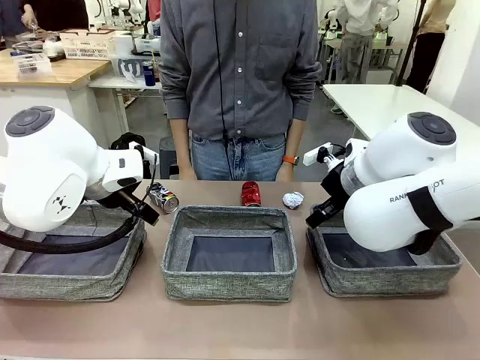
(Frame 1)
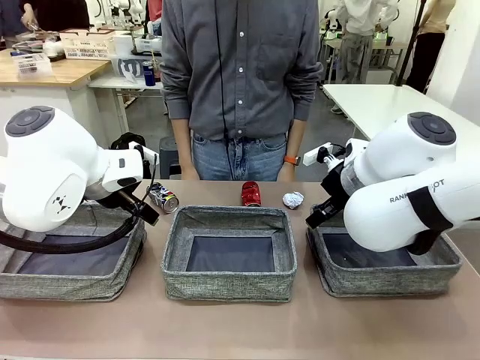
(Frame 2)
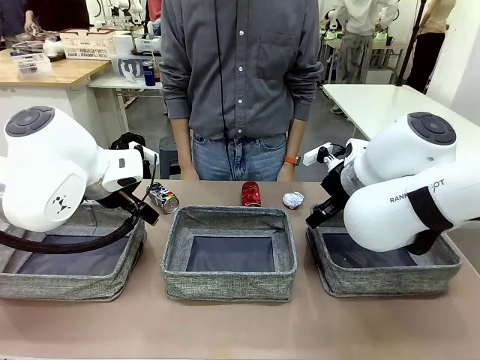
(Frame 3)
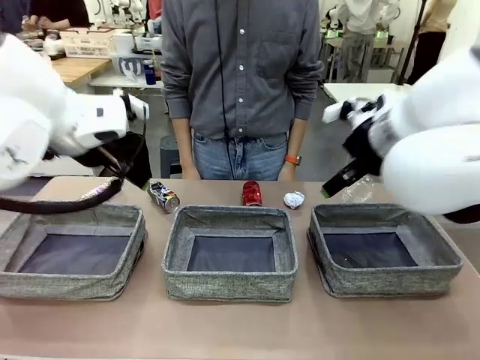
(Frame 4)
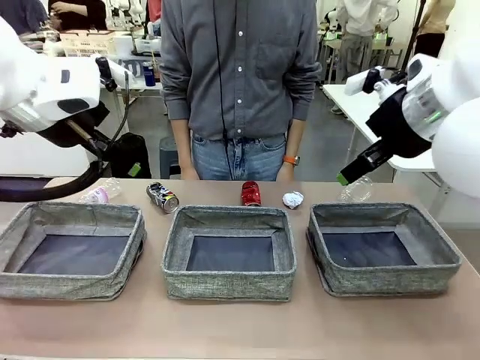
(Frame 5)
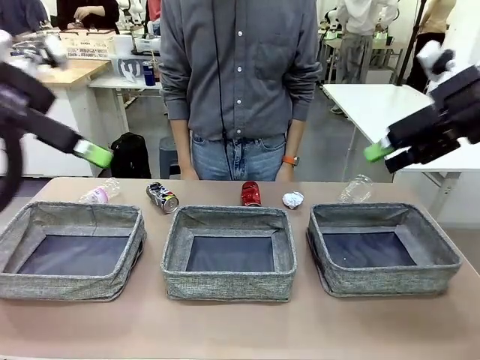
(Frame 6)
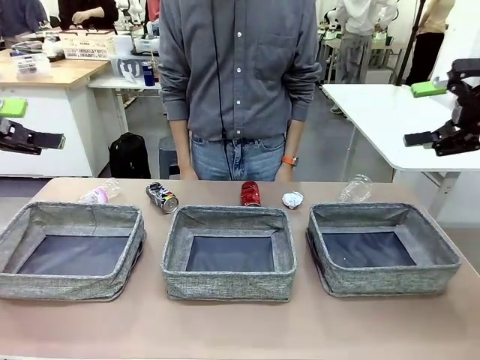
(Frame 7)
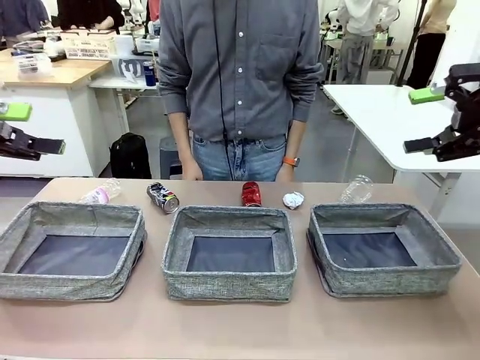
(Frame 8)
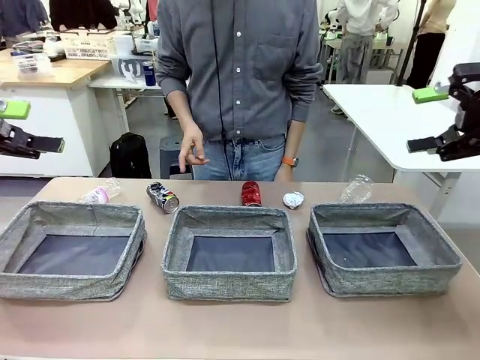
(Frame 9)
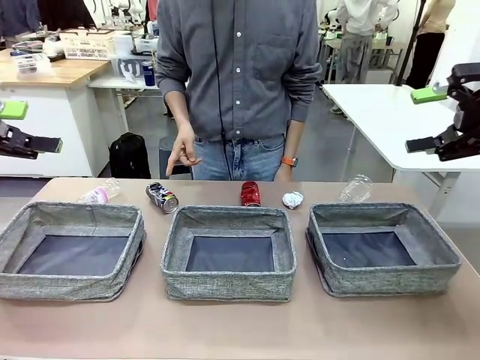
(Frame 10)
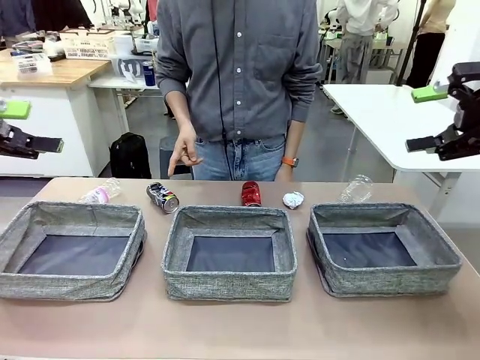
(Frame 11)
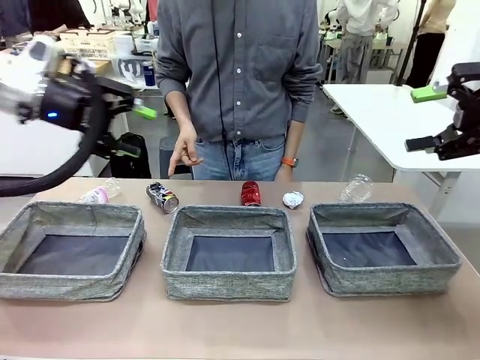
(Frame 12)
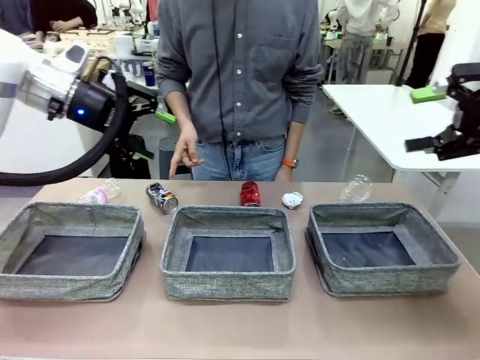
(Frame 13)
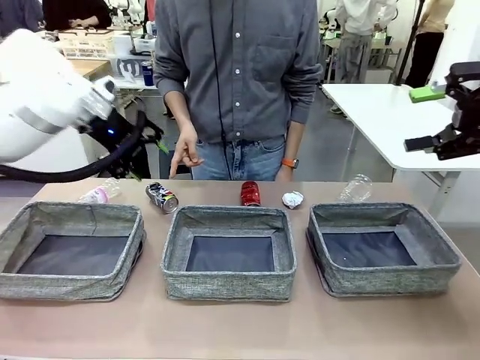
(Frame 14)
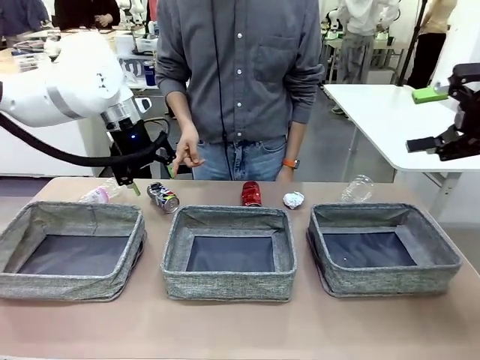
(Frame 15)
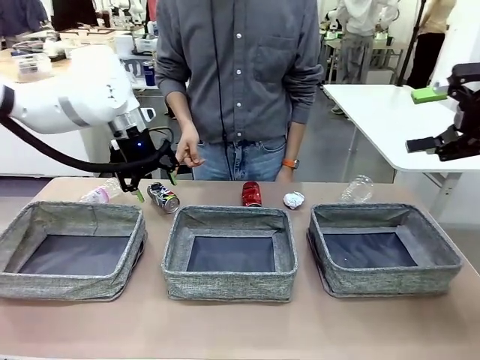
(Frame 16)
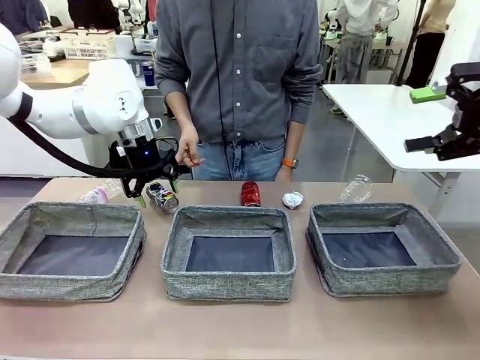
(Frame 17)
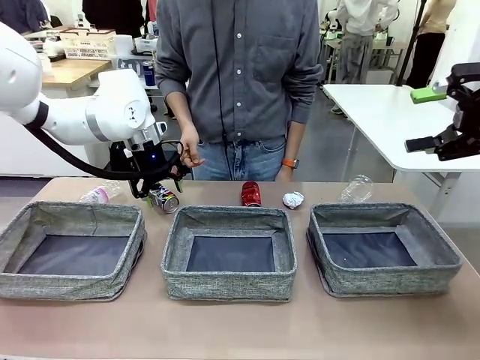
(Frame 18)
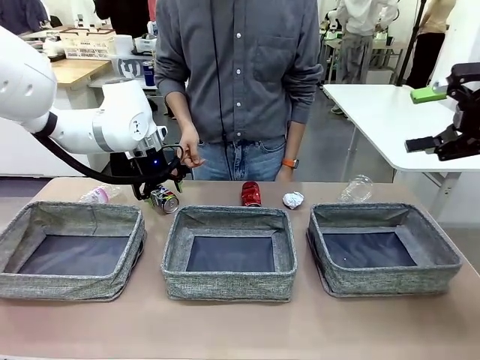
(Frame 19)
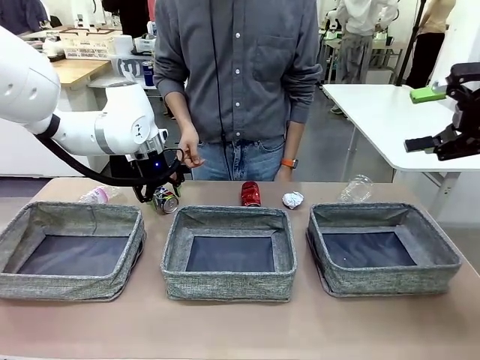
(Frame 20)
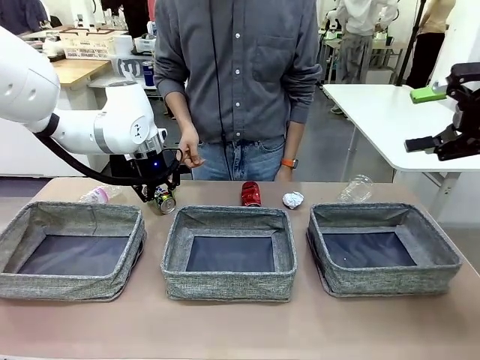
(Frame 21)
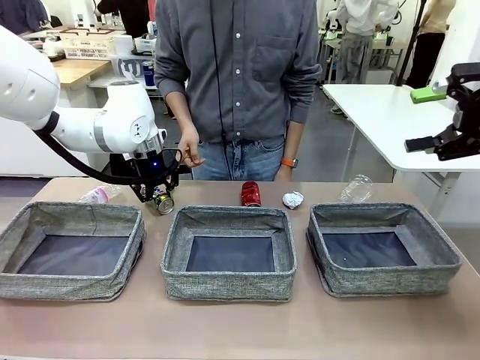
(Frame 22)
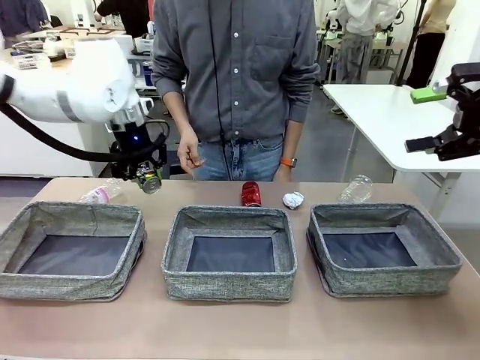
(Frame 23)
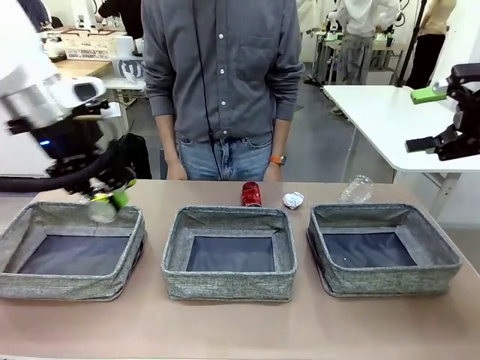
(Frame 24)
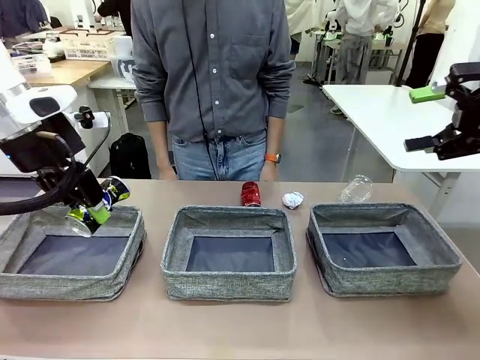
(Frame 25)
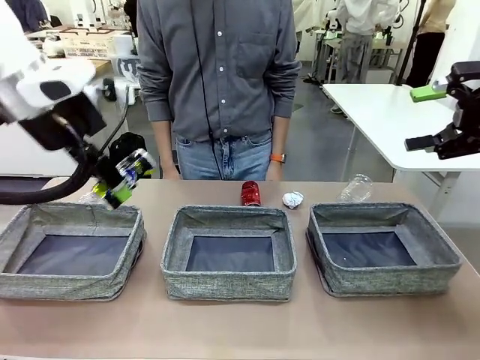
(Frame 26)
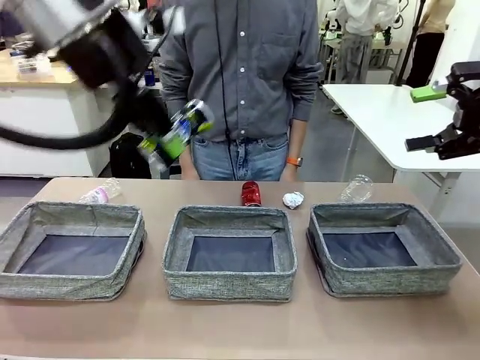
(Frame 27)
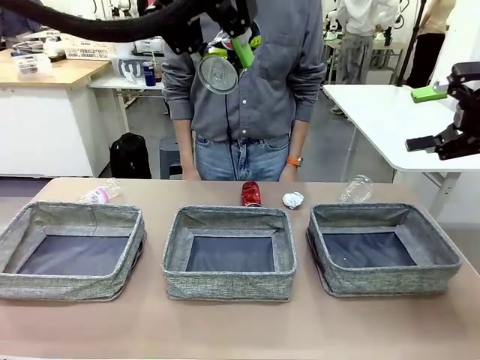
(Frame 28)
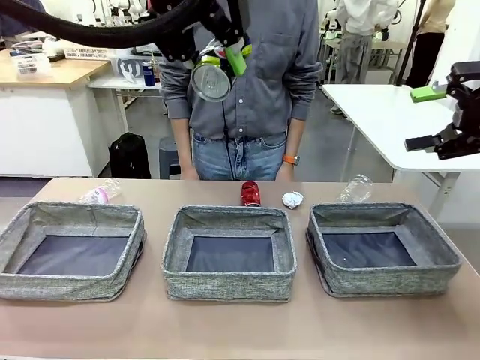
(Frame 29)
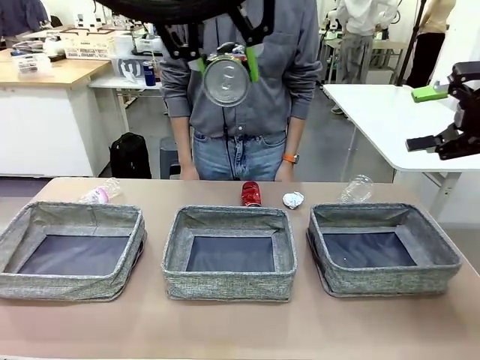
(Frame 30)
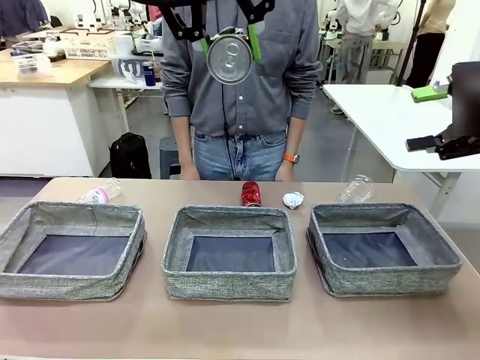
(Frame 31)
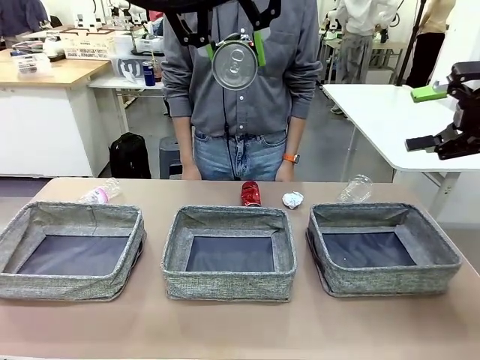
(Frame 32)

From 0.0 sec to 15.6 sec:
Task: Sort the waste into the appropriate baskets.
Robot: Pick up the waste item pointed out by the person.
Person: Points to one piece of trash on the table.

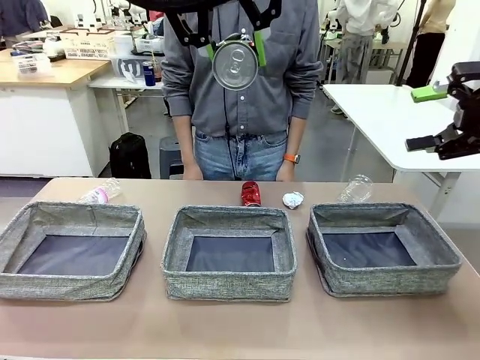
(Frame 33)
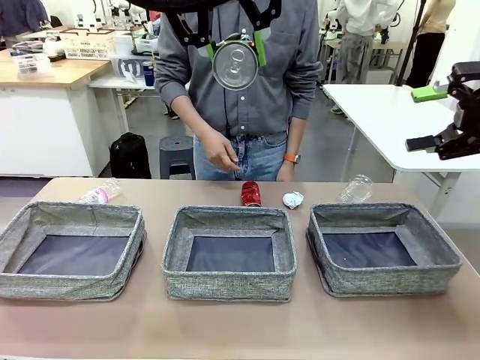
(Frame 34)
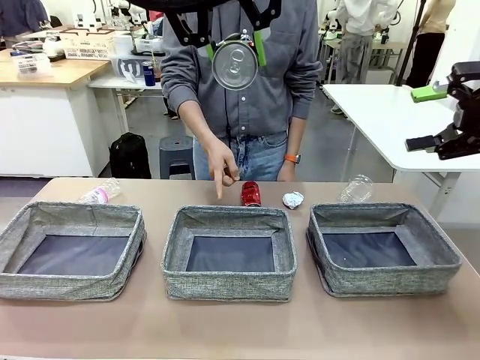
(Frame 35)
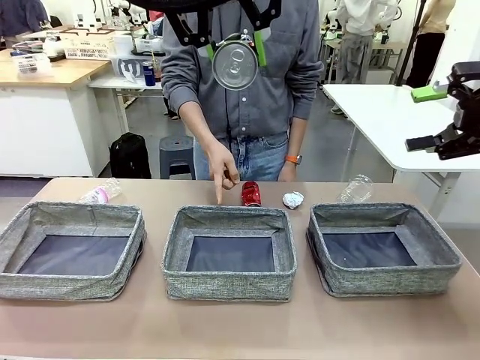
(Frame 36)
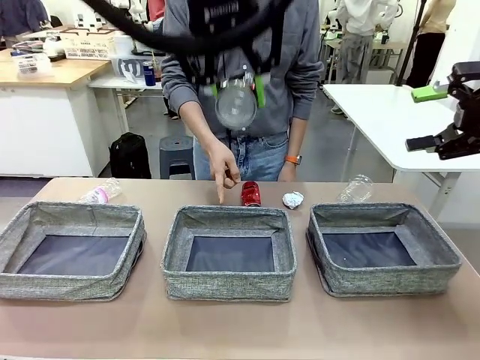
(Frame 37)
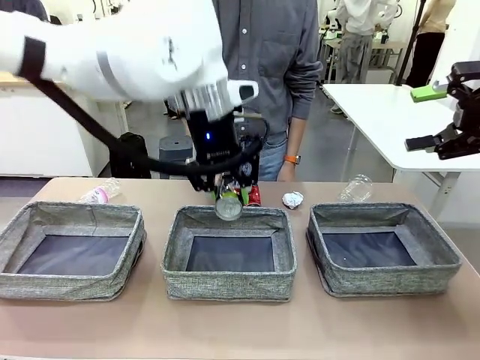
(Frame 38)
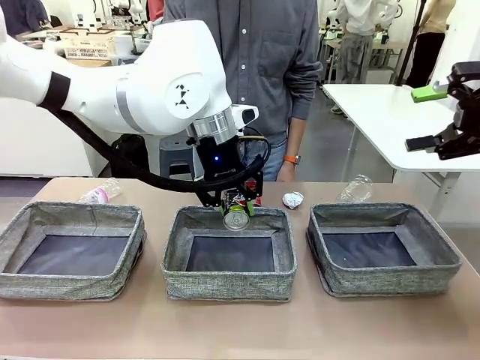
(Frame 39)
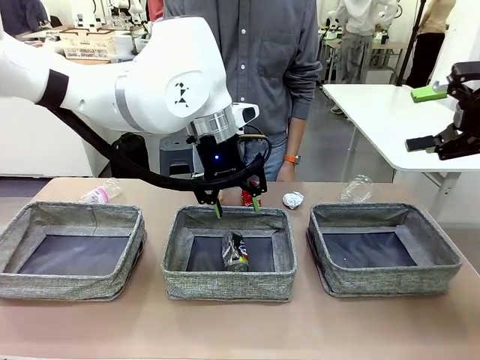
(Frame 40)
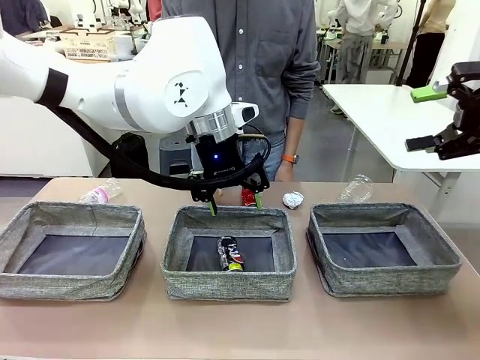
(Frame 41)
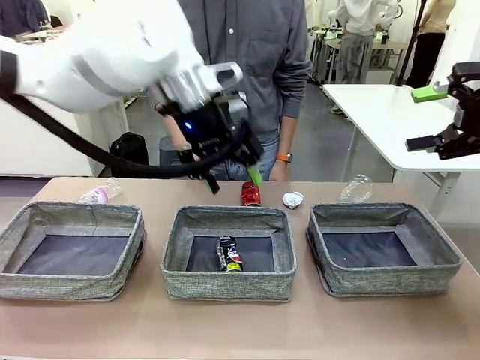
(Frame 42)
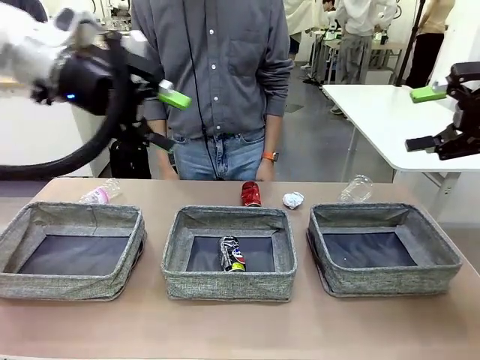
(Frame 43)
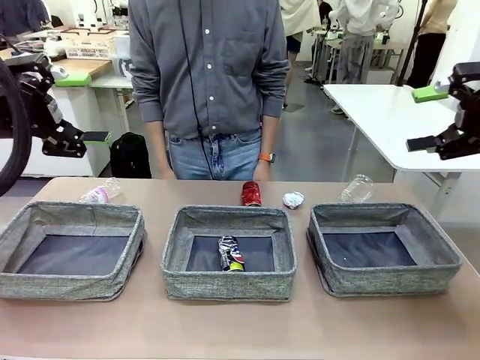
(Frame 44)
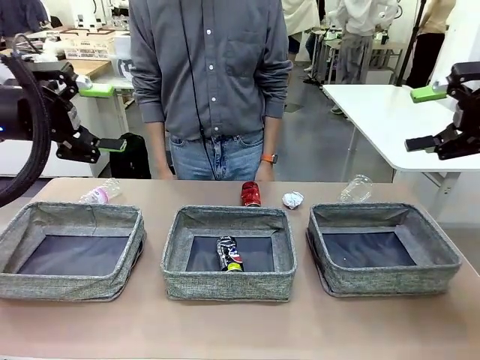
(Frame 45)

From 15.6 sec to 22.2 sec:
Robot: Place the picked waste into the Fabric basket indicated by the person.
Person: Instructs the robot to place the picked-up trash into the appropriate organizing basket.
